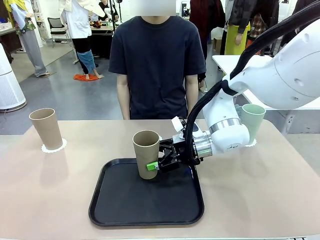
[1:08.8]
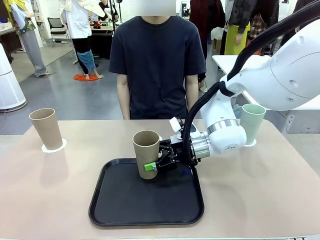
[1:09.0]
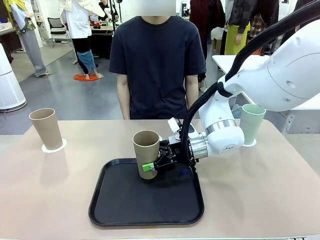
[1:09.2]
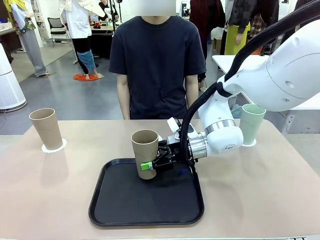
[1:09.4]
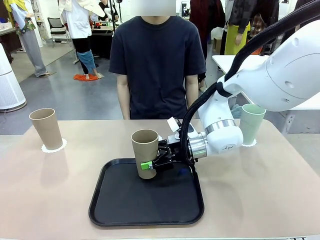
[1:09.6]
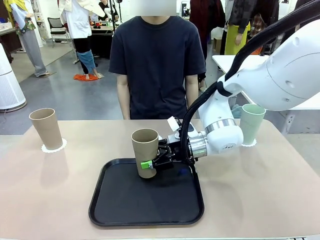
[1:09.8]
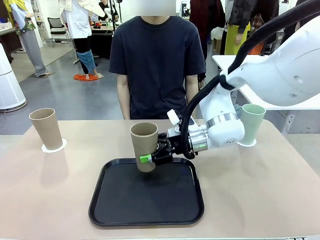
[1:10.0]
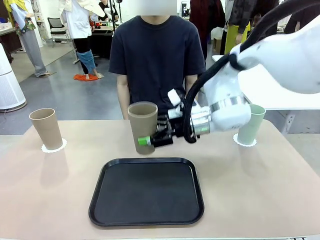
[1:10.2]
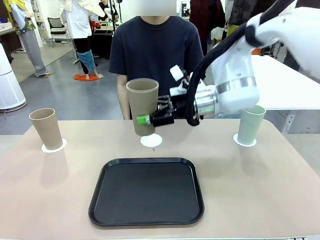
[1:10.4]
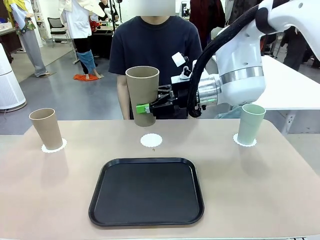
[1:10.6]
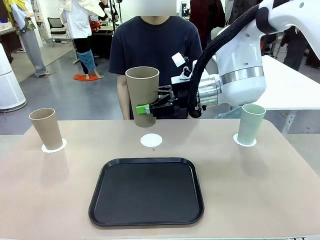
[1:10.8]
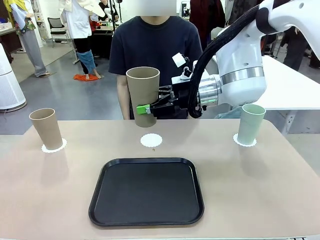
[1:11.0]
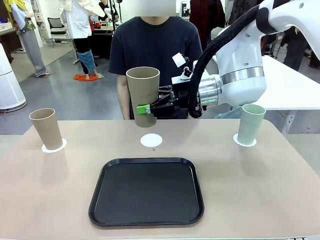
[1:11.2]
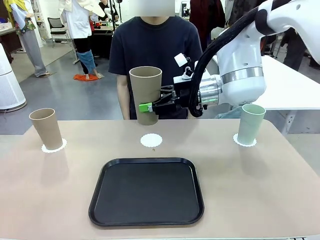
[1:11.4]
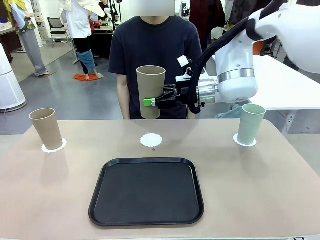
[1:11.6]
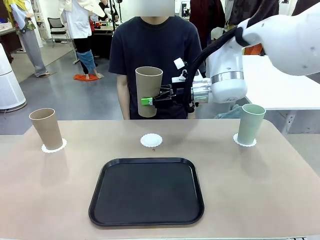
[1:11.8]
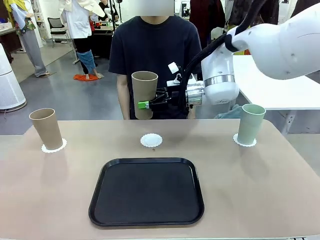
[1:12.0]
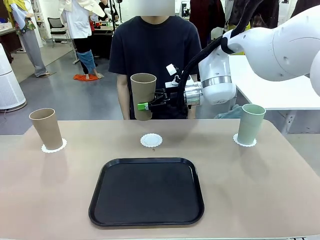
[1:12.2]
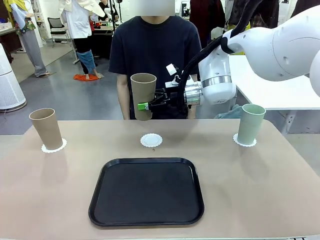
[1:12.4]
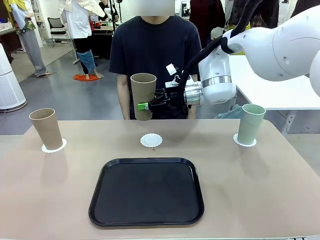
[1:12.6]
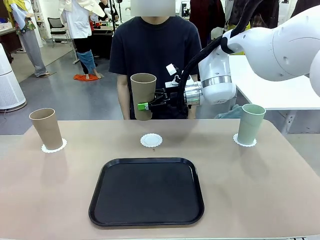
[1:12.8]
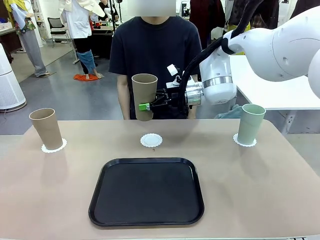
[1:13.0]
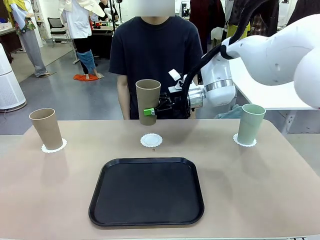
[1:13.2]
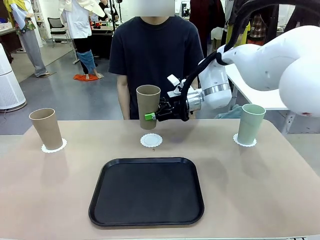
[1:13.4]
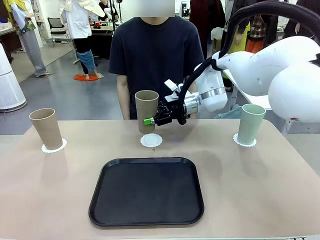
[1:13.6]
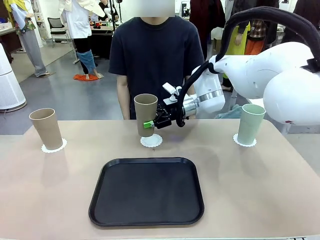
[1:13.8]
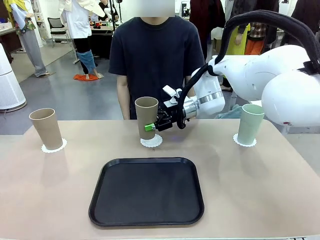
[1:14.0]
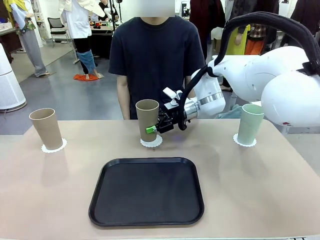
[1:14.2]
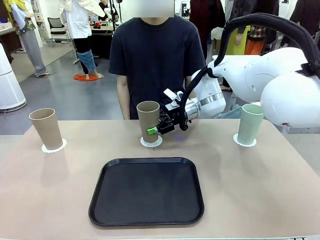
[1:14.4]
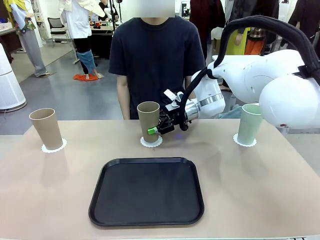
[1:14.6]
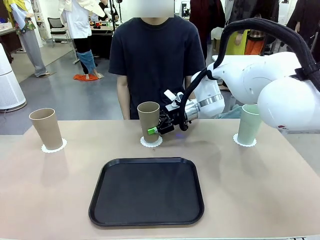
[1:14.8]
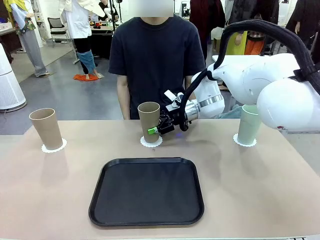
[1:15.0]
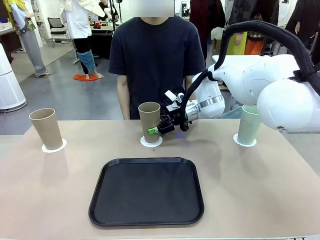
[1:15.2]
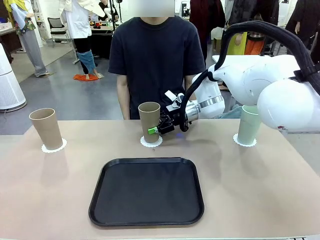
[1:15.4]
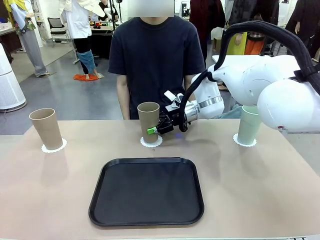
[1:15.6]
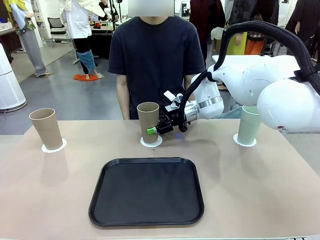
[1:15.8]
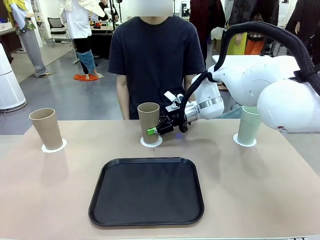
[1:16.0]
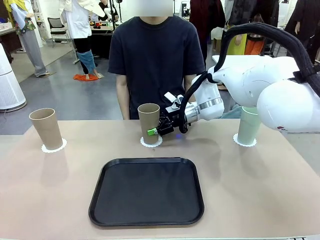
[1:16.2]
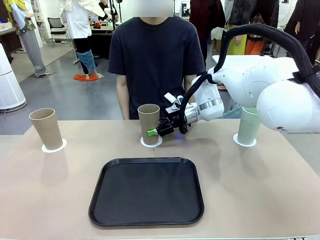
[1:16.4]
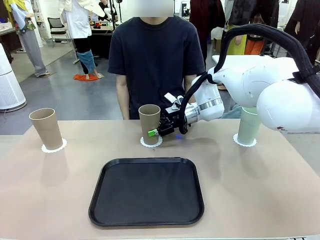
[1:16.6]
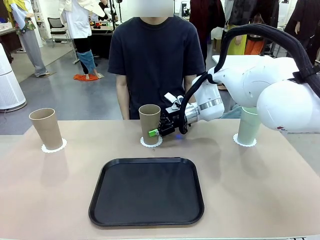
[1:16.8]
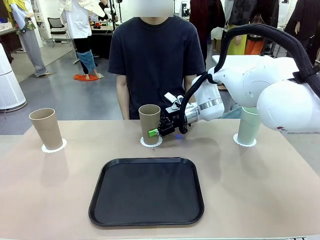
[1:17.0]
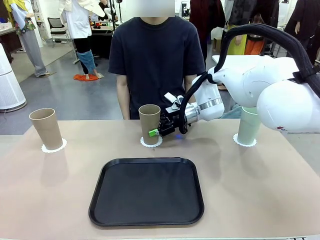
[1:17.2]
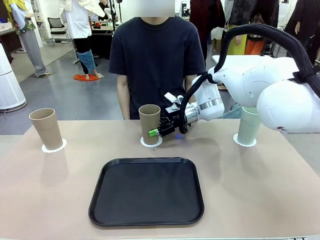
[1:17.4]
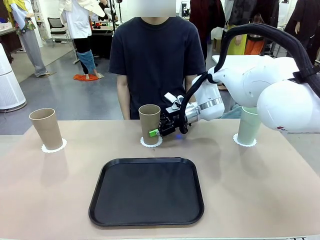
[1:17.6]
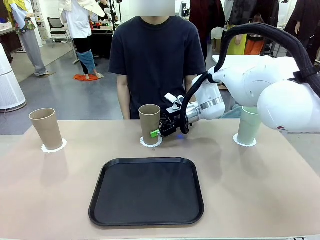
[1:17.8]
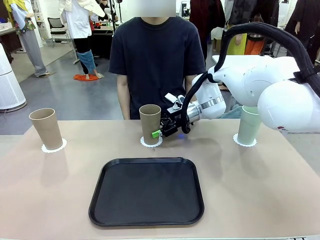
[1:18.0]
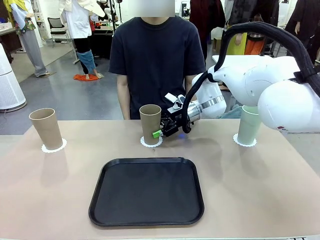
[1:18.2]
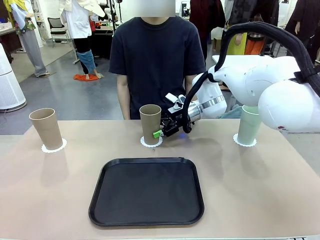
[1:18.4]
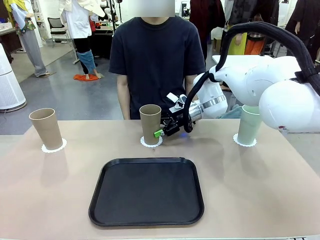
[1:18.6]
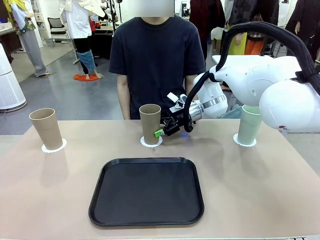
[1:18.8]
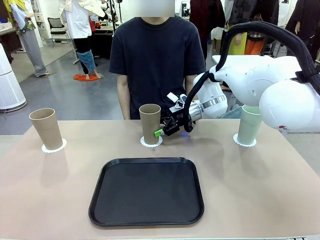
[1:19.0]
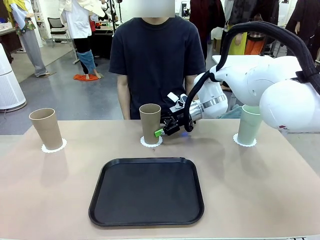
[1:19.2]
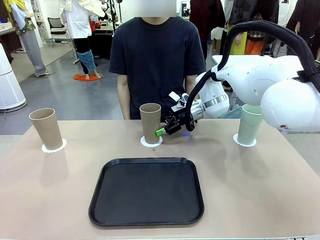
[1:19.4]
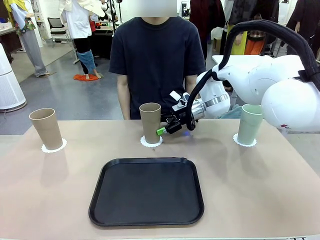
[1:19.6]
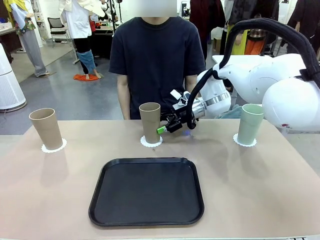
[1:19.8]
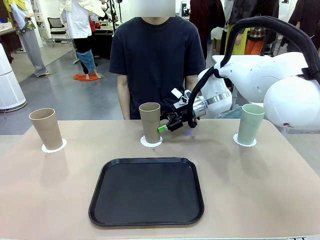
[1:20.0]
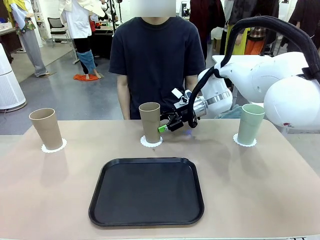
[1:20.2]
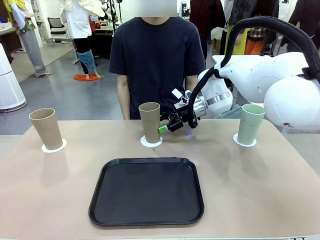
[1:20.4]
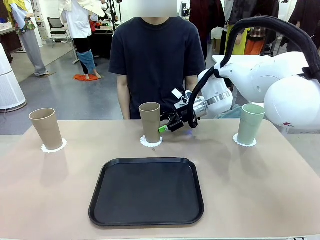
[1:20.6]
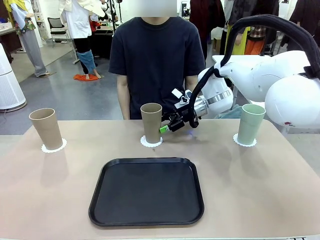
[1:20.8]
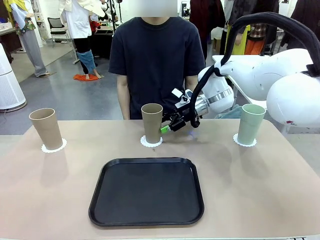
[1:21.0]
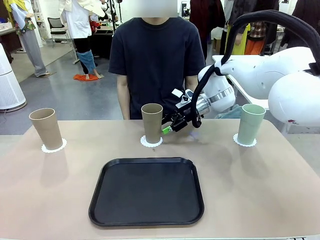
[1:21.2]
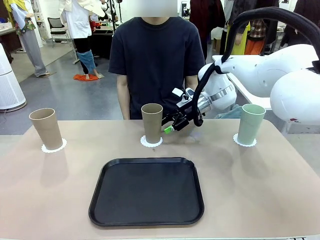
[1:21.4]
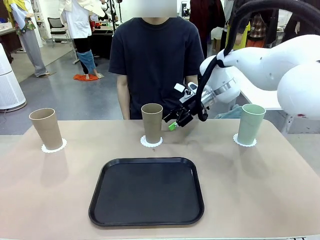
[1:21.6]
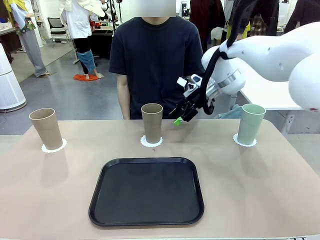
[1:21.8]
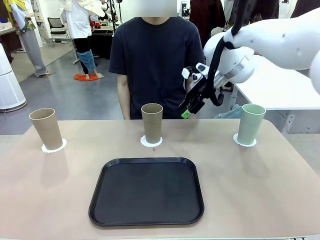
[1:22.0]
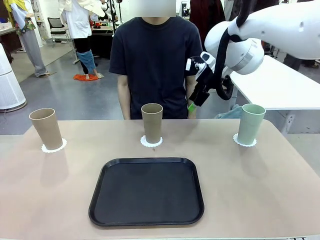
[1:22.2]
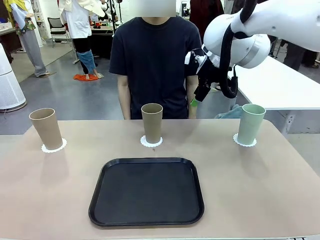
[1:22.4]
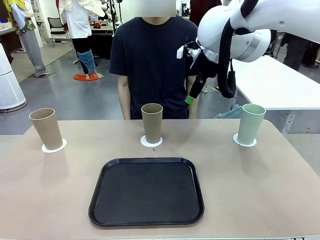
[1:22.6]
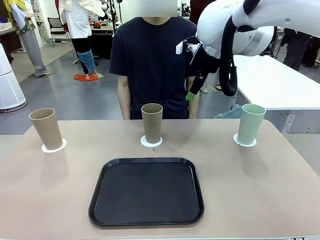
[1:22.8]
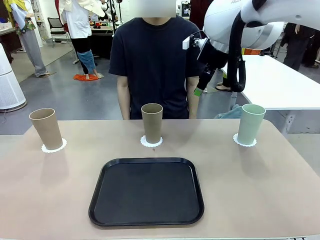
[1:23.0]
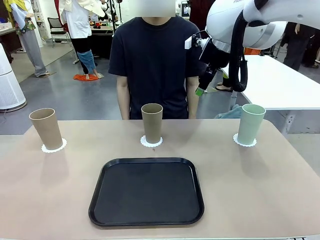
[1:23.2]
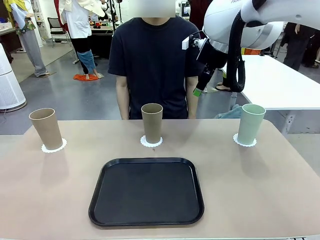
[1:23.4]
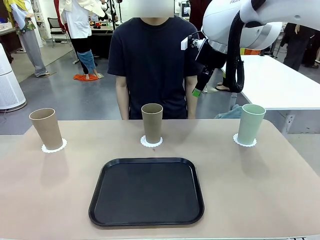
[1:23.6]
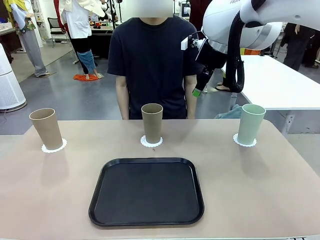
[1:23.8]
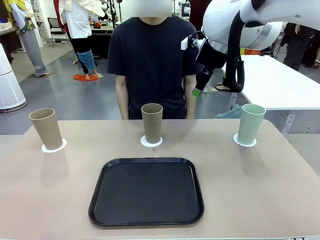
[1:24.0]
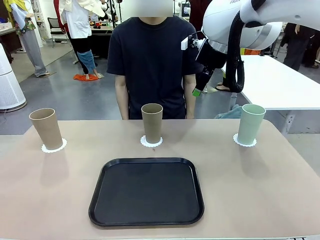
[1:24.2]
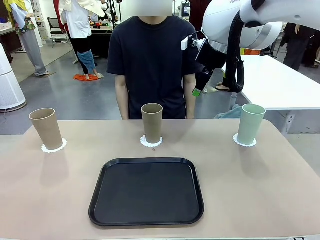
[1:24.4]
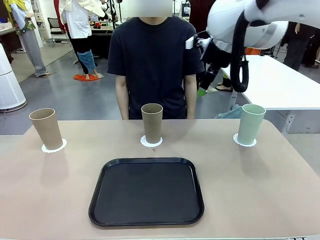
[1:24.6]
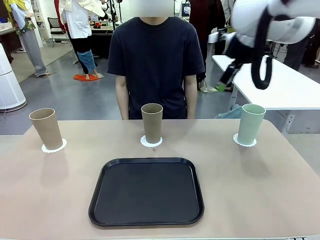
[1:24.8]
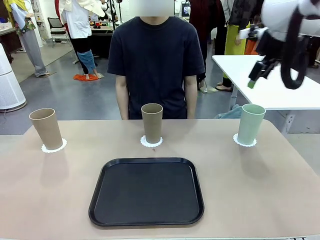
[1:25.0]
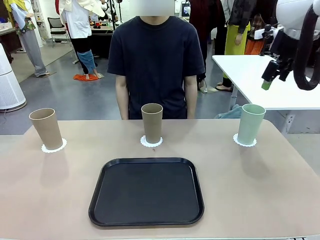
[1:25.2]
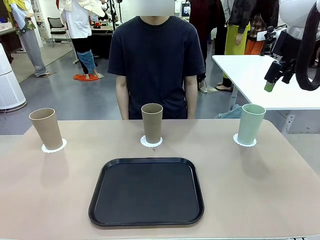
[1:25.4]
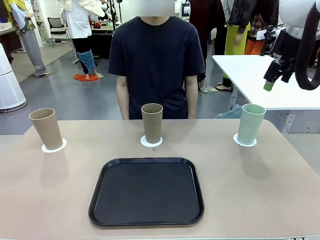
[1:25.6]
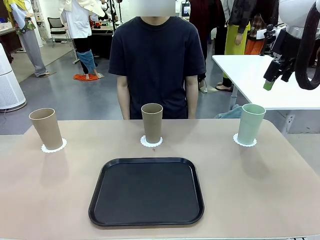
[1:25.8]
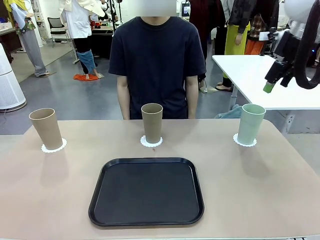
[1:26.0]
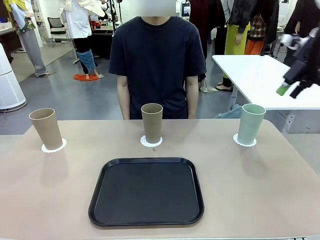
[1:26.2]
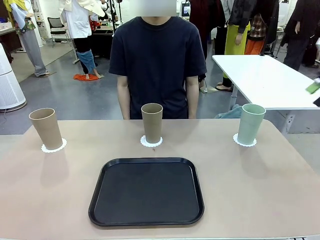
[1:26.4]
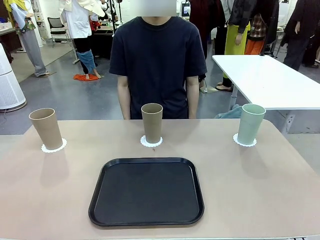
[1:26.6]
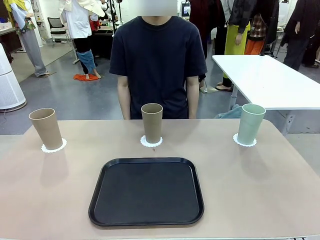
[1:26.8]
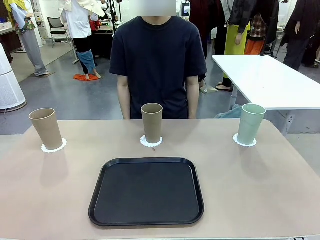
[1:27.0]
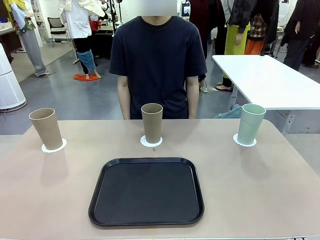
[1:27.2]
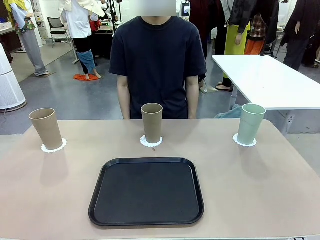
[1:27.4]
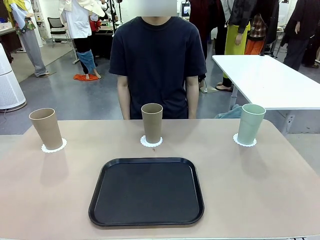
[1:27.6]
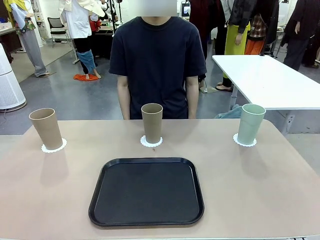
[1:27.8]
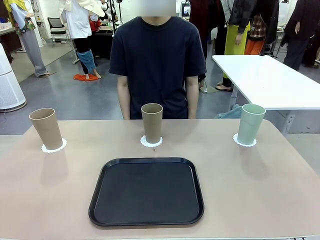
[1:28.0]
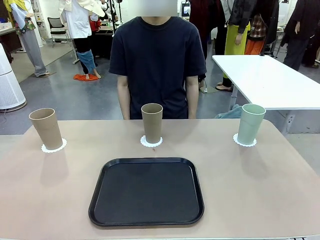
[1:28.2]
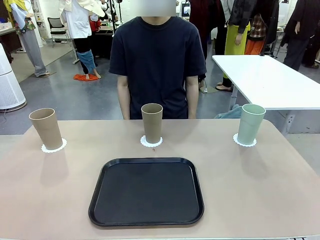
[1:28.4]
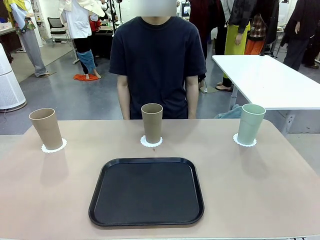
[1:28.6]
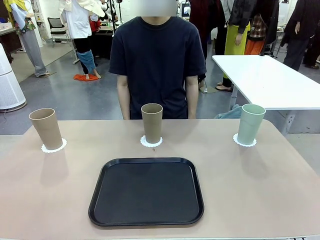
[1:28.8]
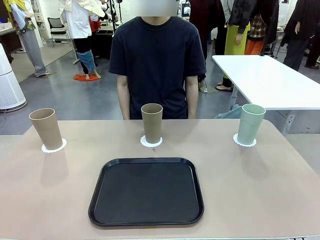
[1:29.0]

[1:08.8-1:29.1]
Task: Place coasters on the table and set cups on them.
Robot: Take one Reusable plastic cup from the Flat Tray and place it on a coaster set by the human.
